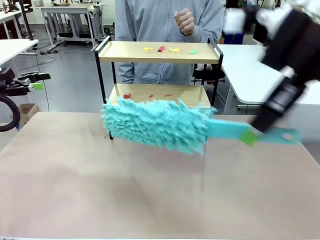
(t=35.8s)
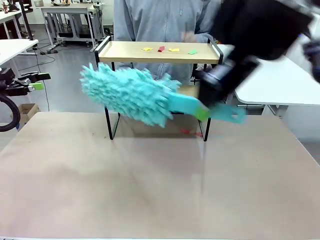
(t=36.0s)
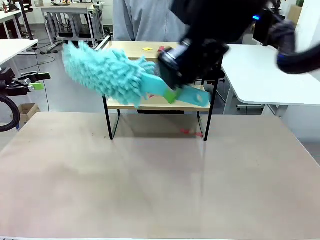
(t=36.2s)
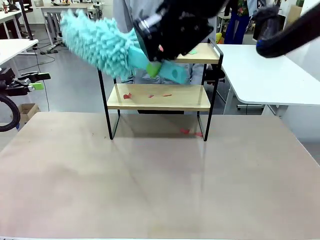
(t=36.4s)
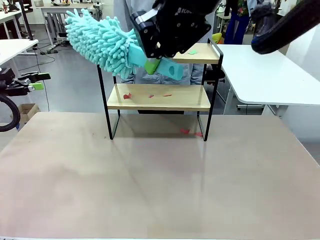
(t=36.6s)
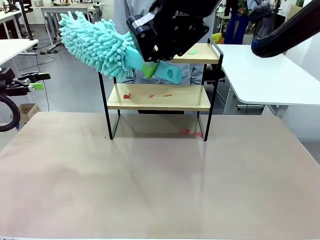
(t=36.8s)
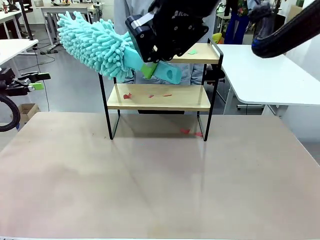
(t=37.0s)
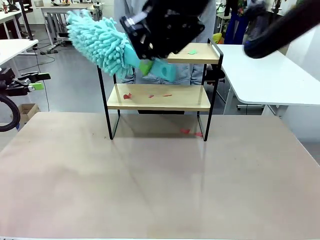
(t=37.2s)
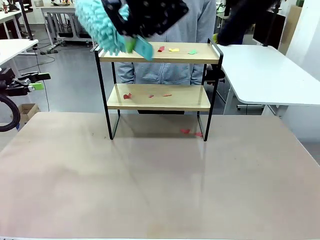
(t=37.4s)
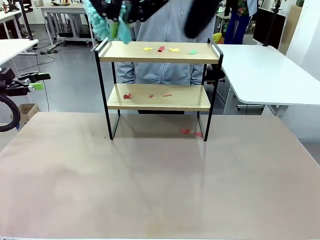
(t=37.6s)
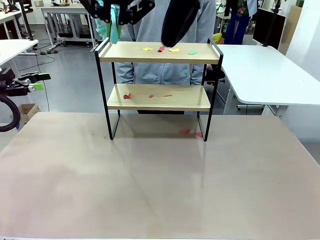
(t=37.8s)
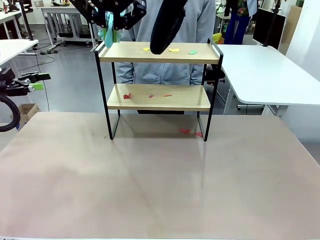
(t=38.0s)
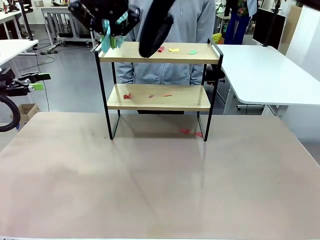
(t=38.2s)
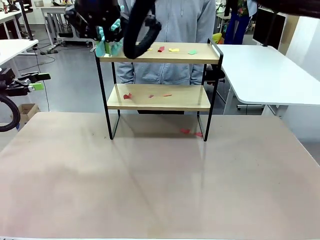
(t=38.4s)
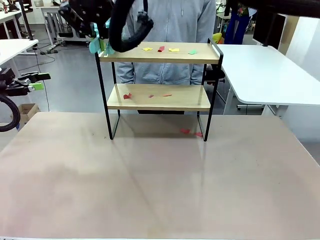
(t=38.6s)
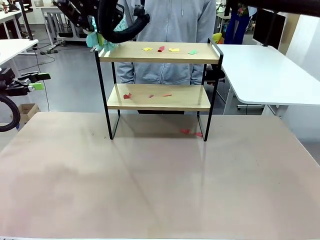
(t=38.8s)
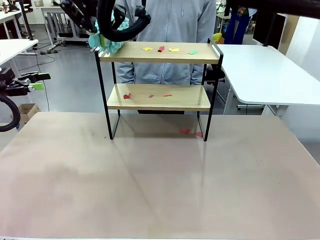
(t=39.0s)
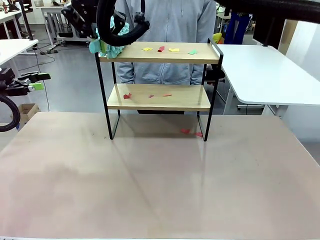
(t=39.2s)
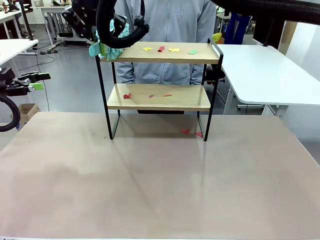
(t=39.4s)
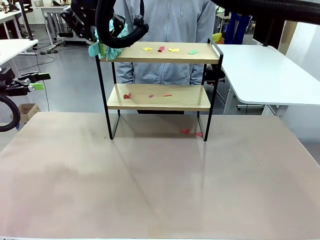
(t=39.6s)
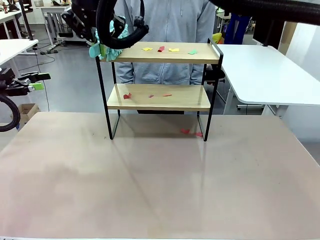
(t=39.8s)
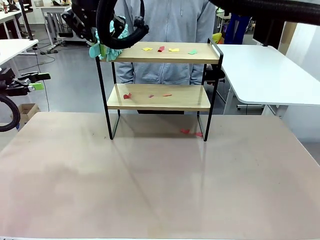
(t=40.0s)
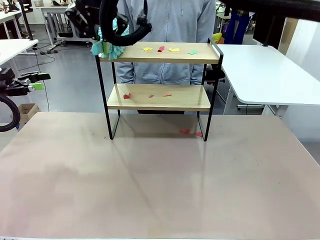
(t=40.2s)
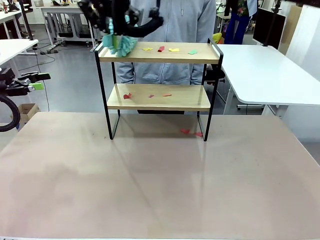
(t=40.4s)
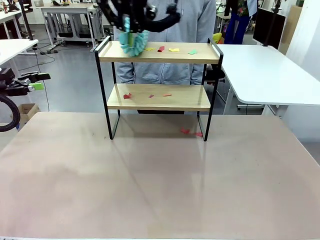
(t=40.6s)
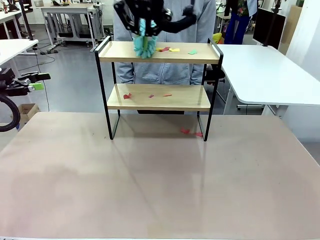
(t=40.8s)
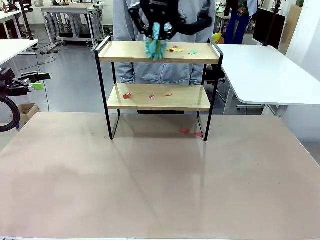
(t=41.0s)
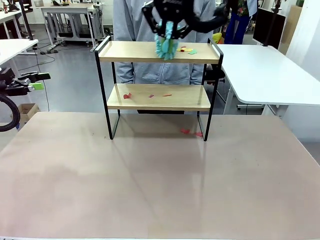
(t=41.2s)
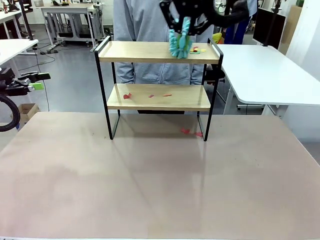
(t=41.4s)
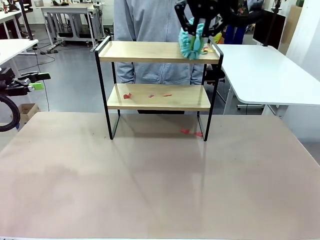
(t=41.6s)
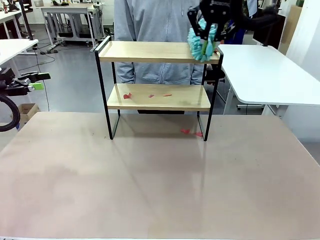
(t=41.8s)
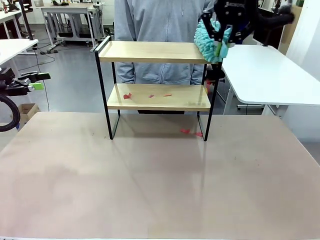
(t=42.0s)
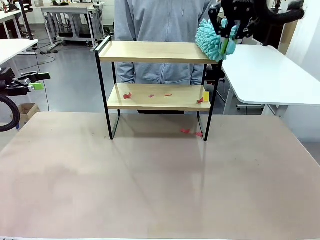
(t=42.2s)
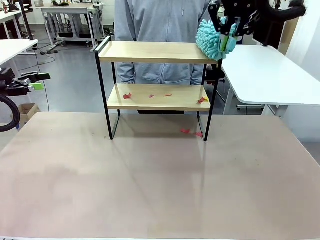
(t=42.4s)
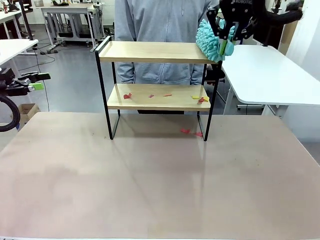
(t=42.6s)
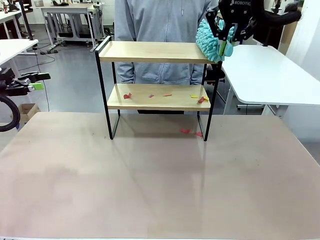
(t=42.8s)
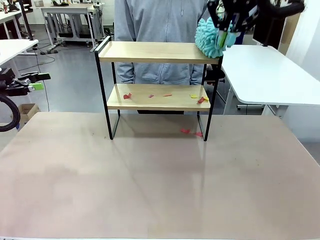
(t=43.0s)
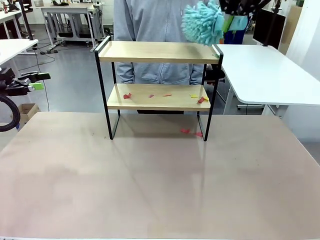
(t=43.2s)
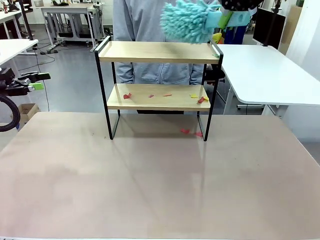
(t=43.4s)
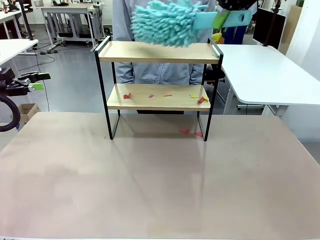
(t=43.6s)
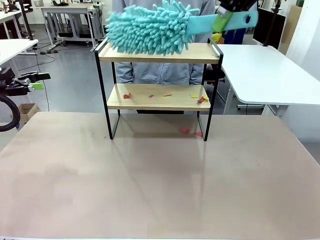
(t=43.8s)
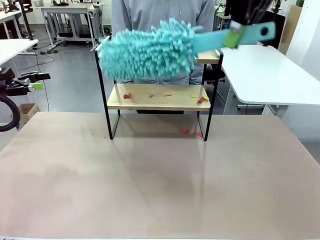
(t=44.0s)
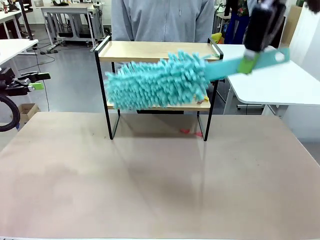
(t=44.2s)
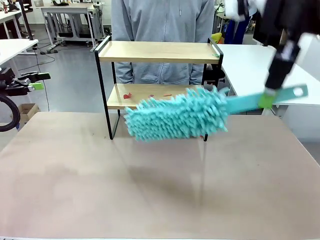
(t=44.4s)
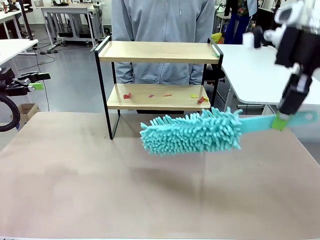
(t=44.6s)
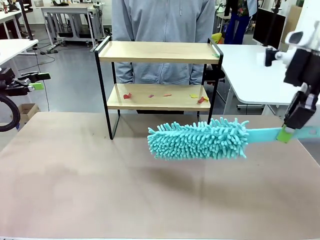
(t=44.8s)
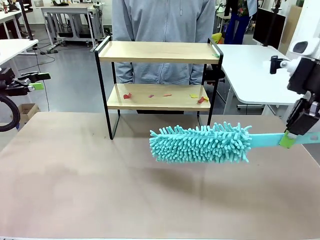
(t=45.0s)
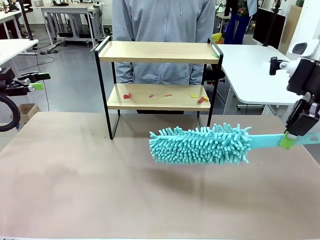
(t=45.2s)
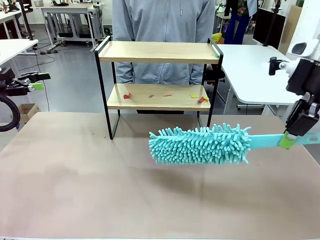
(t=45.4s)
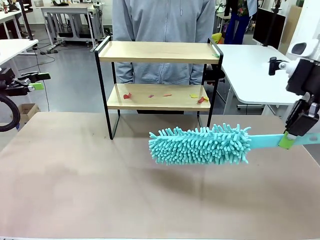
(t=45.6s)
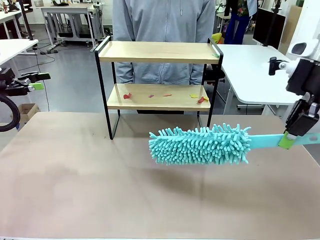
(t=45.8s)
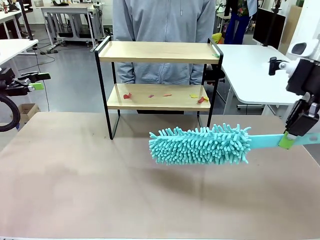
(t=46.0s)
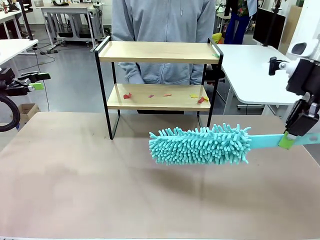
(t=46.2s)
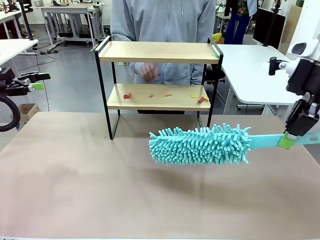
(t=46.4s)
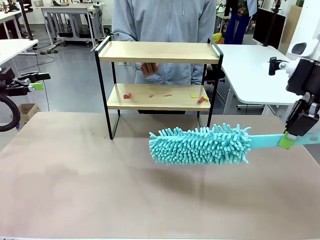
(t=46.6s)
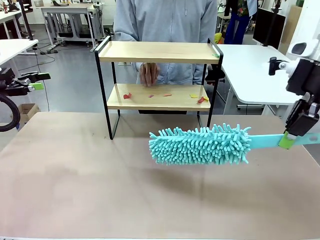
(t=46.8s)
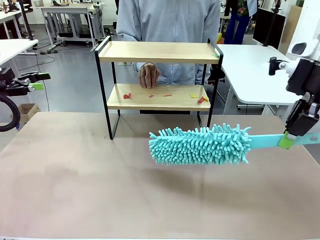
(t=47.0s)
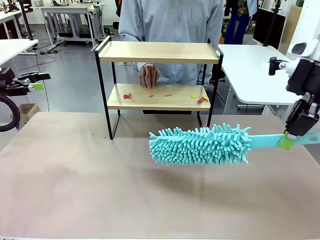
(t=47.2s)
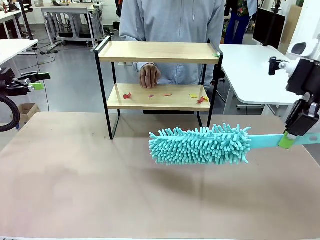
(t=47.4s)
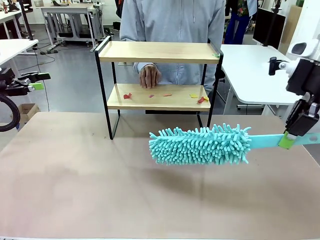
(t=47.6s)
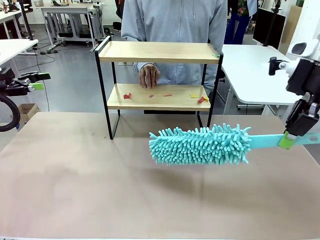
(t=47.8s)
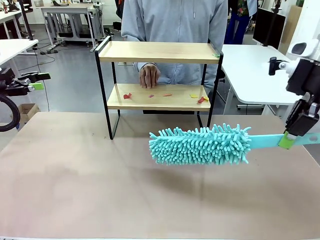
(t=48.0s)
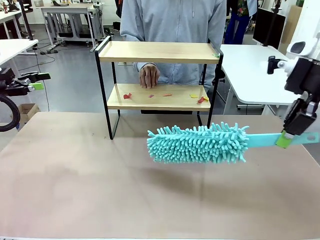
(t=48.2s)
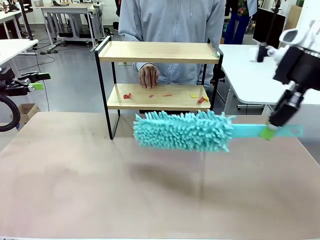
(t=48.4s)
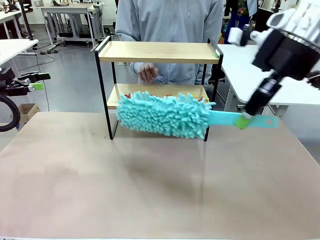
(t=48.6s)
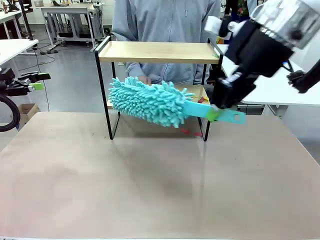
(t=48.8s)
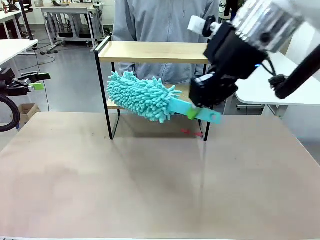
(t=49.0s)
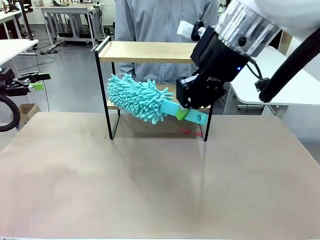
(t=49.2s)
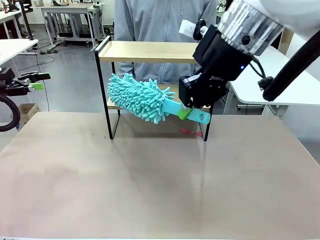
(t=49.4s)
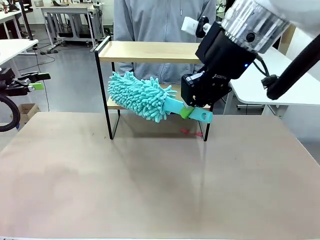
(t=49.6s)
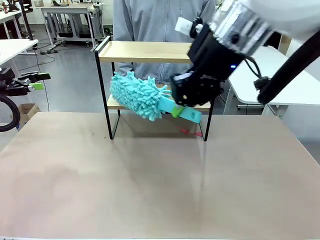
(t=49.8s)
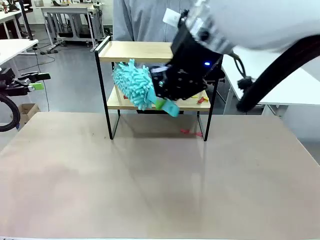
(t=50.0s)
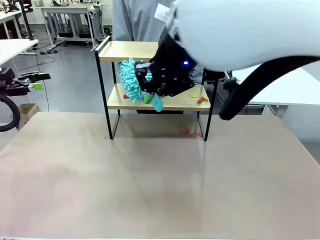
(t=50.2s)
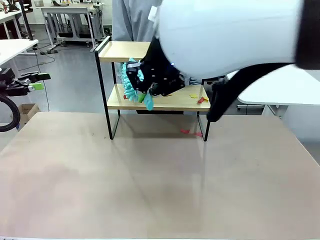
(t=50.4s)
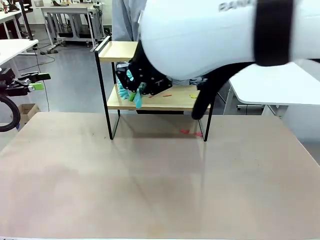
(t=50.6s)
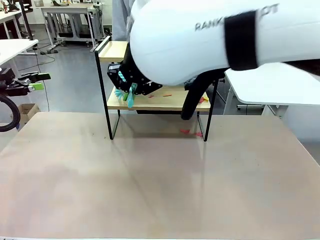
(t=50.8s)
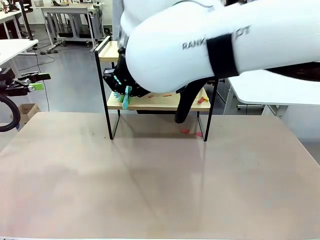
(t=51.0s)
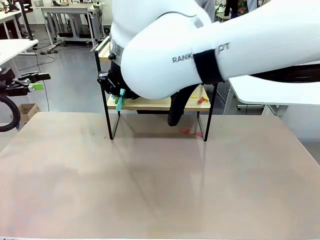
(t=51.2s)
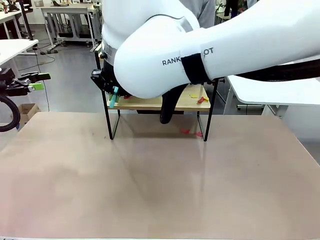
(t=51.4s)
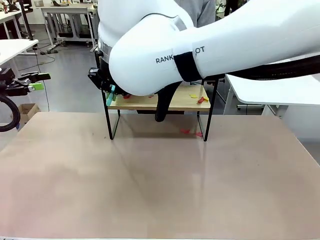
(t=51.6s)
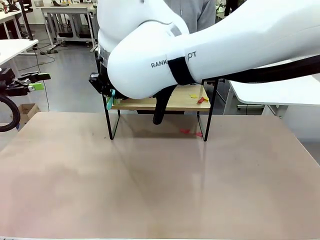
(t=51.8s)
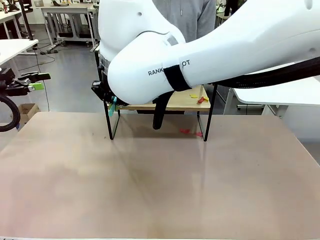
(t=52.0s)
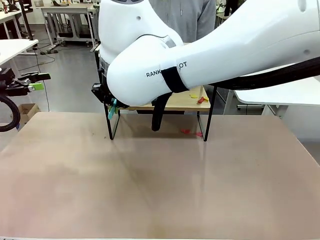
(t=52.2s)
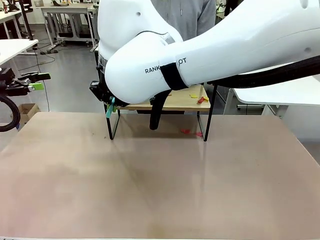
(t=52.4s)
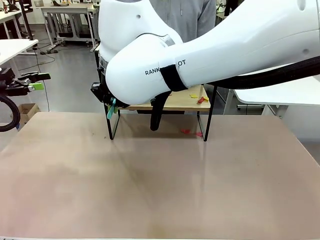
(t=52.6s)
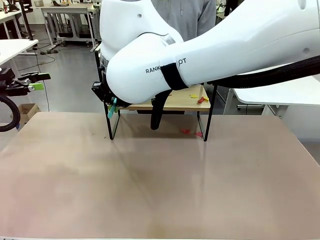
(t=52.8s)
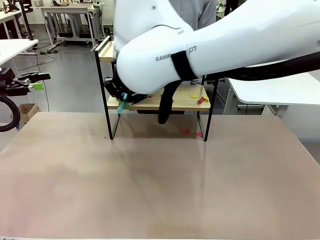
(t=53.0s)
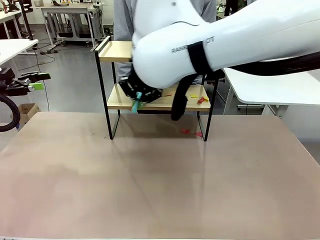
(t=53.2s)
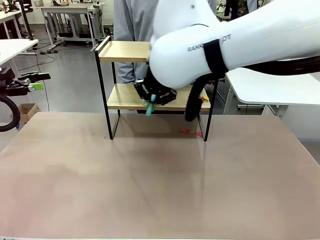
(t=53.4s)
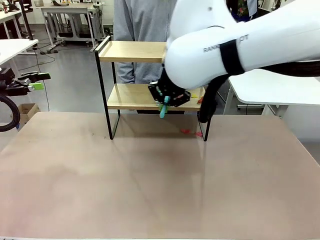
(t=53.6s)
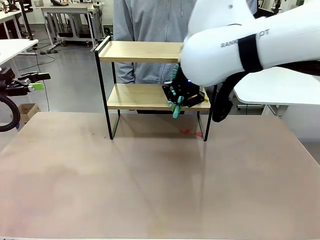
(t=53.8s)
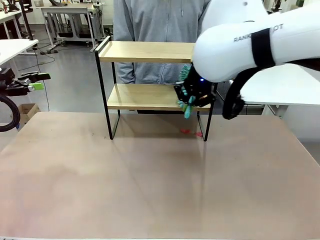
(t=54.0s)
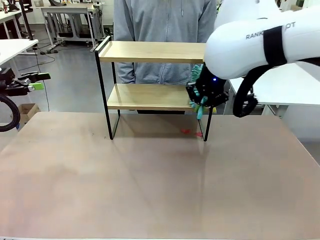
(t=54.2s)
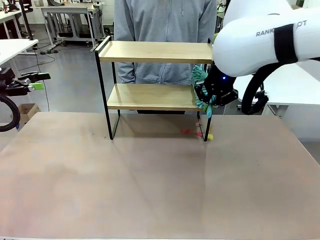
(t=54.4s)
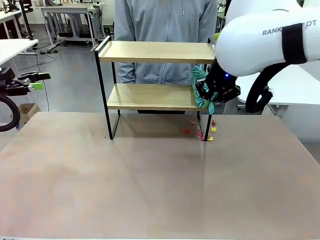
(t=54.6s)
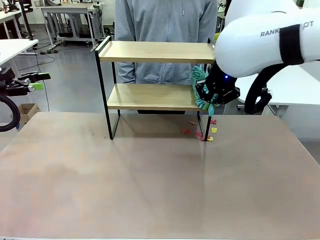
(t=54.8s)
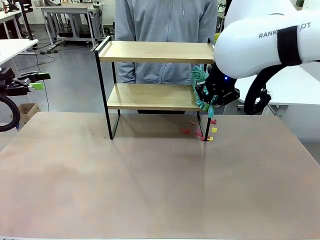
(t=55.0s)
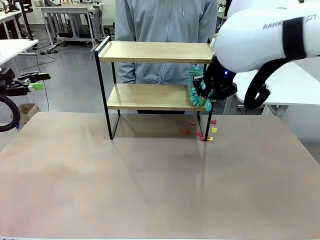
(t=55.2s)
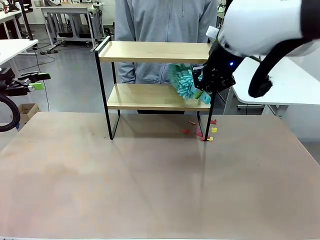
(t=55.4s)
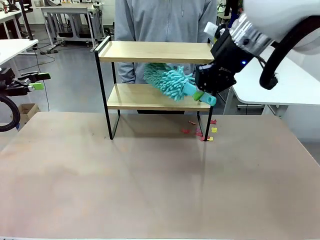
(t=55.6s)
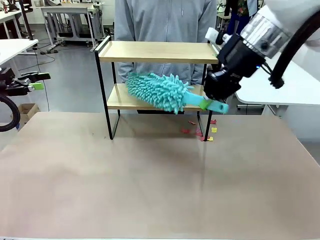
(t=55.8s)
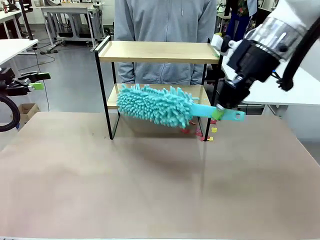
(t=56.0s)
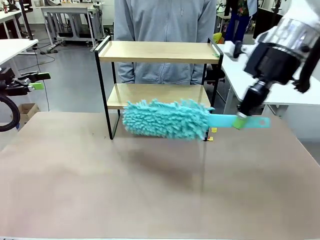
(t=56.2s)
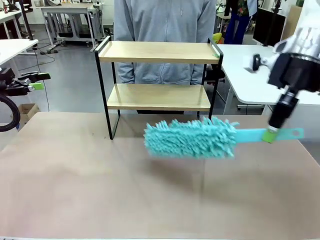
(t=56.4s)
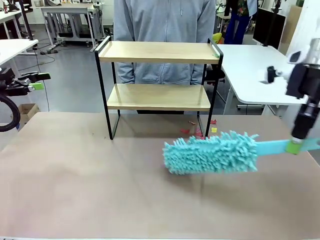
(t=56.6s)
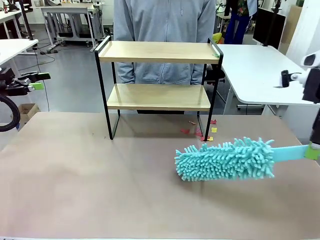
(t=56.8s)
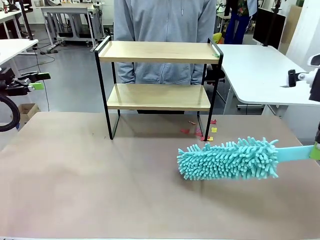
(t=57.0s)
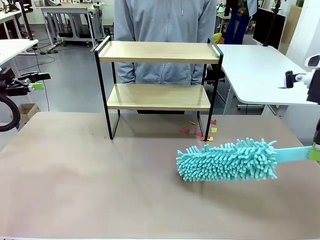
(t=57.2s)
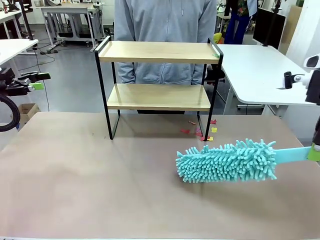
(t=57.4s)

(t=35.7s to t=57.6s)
Task: Clean the shelf.
Robot: Clean the specific section of the Shelf indicated by the human with the Duster.
Person: Point a remaining section of the Shelf.
